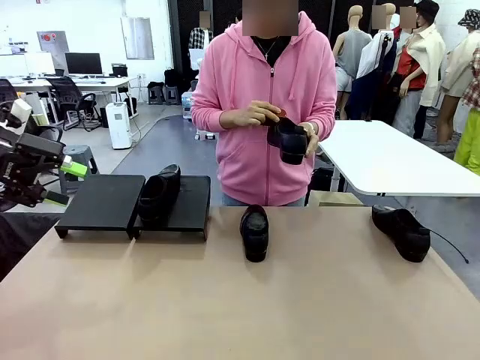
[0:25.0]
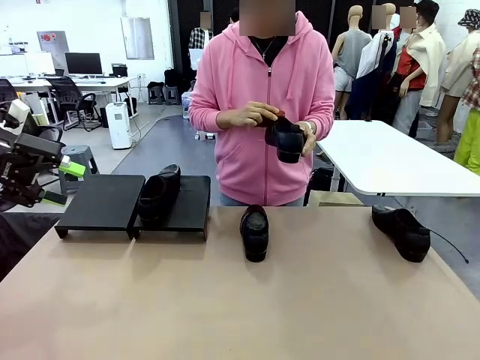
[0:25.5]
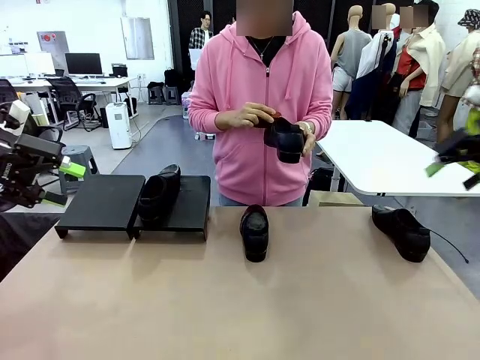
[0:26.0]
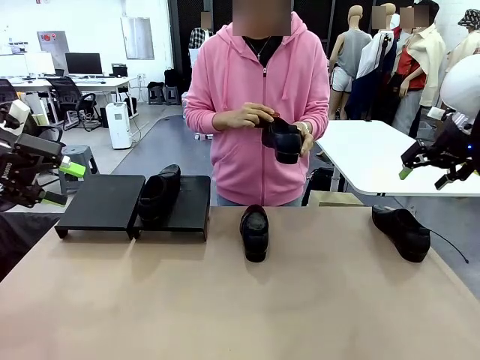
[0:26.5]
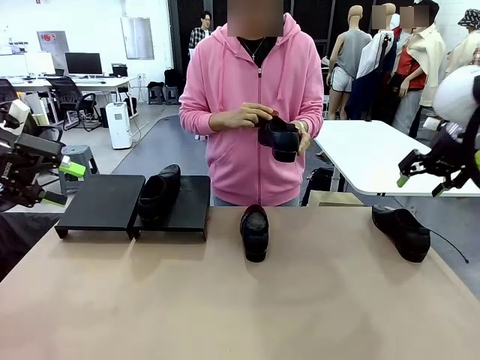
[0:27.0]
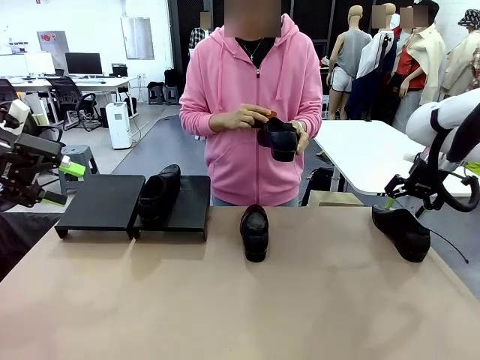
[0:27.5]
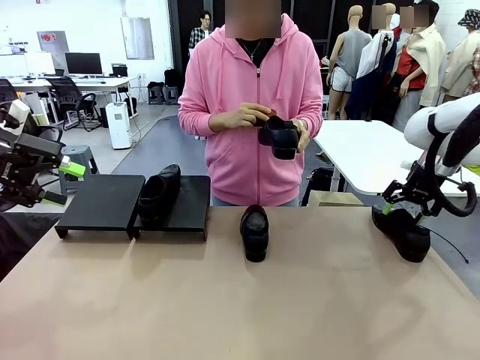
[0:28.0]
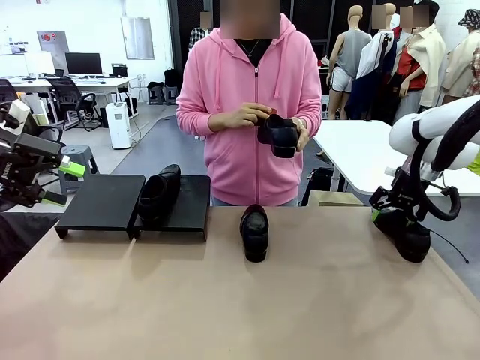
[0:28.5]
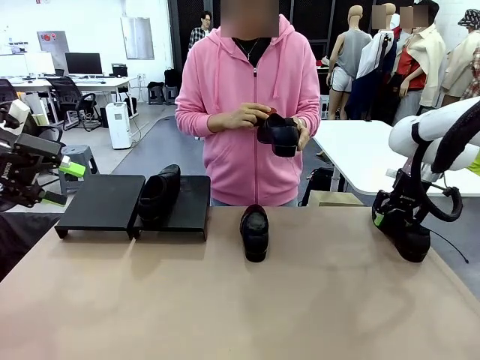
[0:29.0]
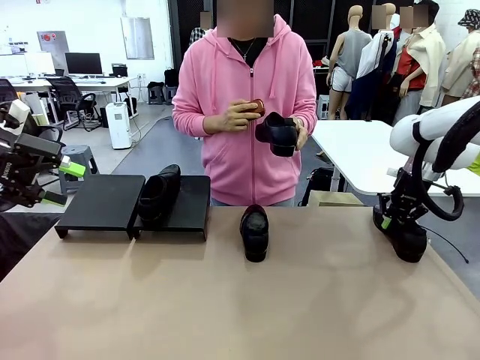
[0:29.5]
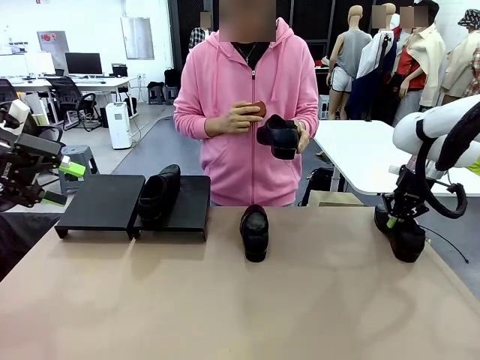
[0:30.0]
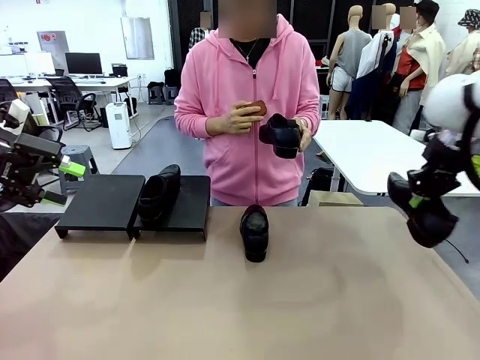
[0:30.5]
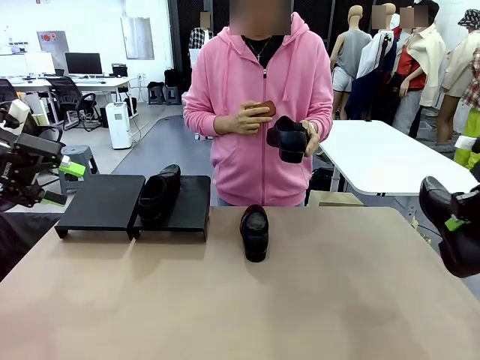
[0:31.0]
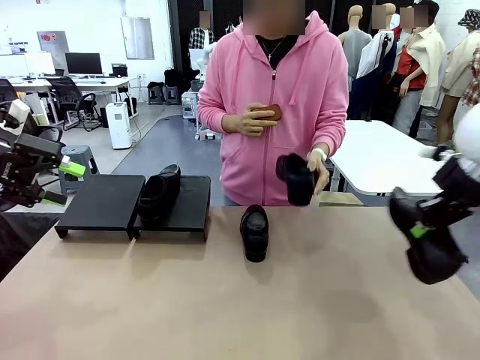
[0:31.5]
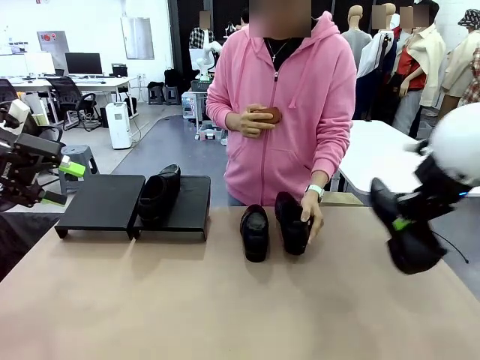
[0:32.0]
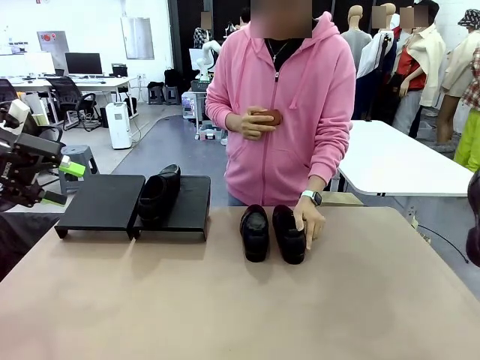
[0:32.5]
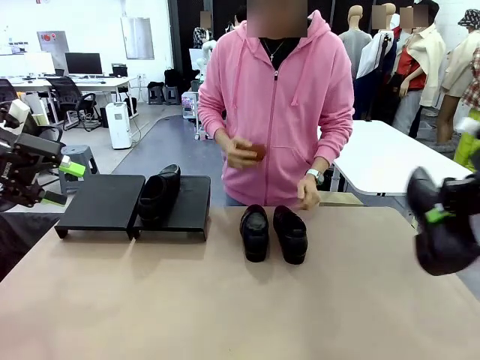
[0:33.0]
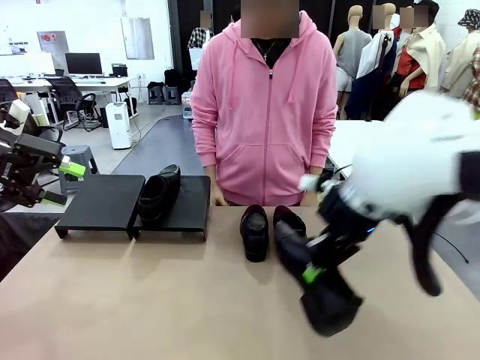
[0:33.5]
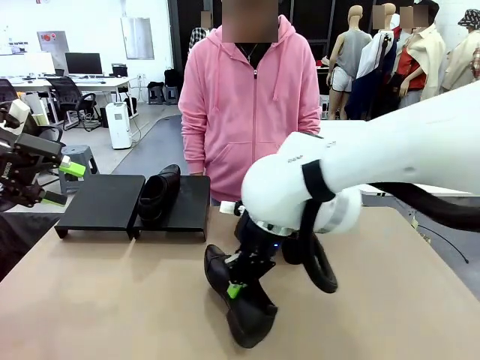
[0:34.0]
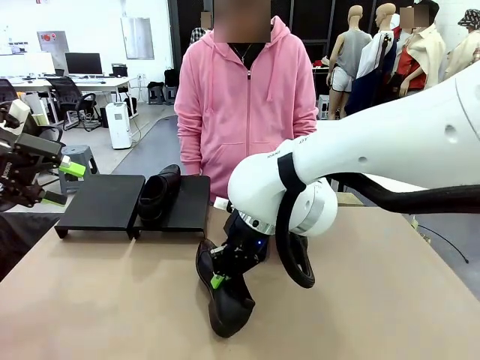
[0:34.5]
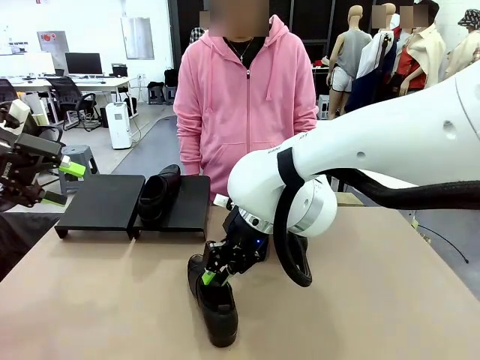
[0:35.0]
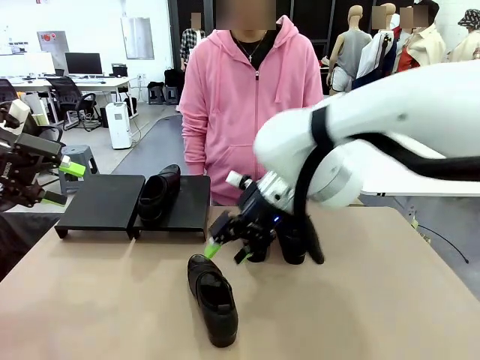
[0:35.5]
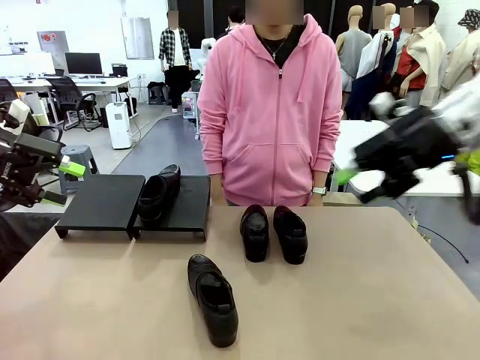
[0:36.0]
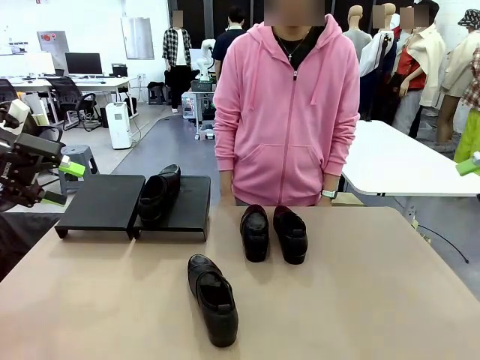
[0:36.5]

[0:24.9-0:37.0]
Task: Organize the shoes by placing them on the stand.
Robot: Pick up one Shoe and place it in the middle of the table.

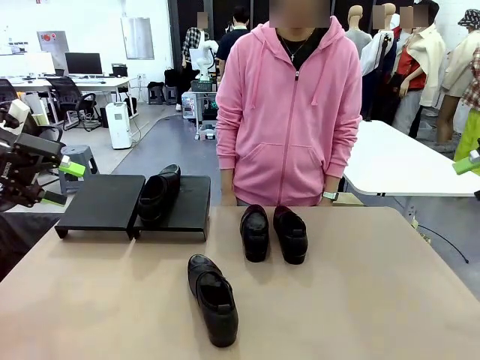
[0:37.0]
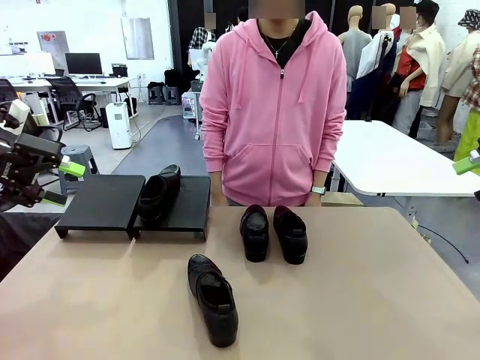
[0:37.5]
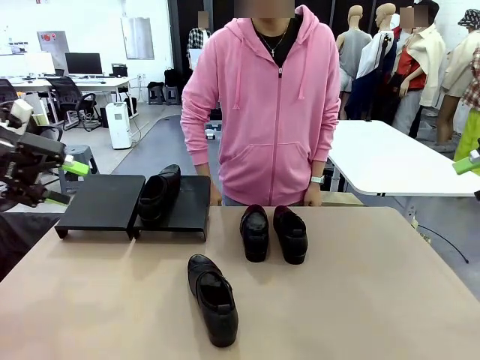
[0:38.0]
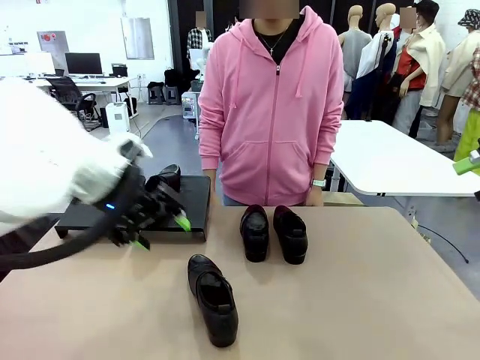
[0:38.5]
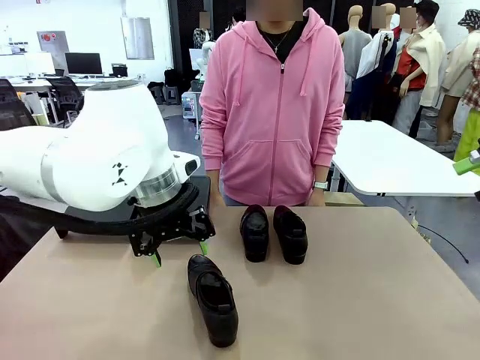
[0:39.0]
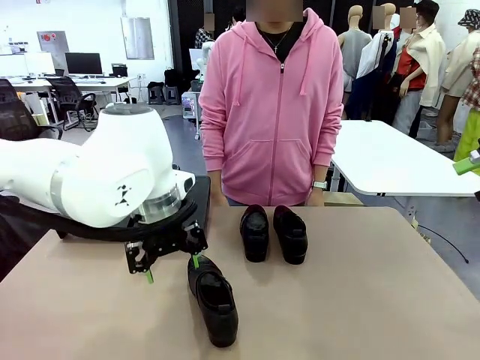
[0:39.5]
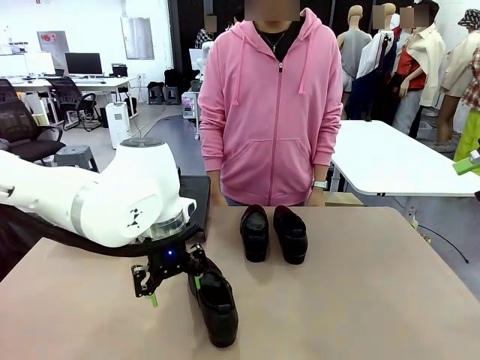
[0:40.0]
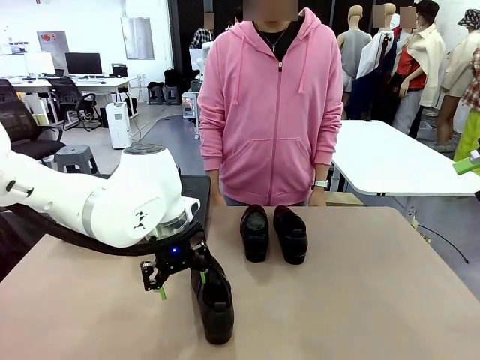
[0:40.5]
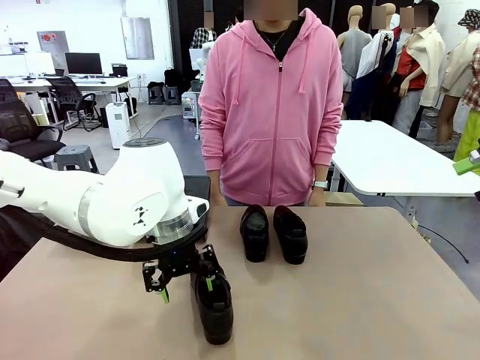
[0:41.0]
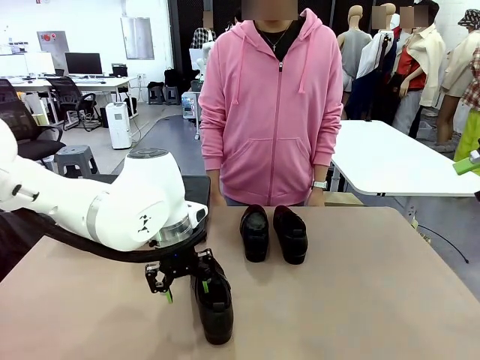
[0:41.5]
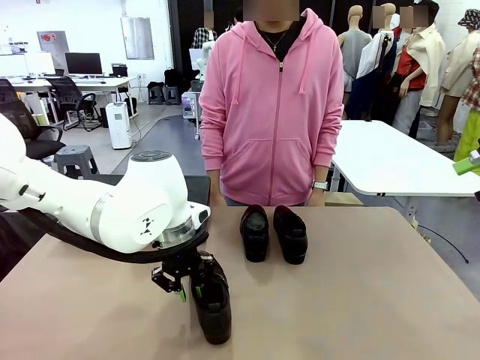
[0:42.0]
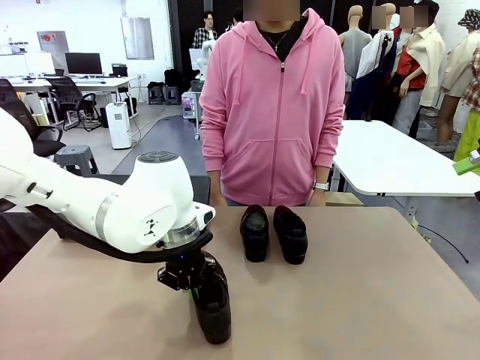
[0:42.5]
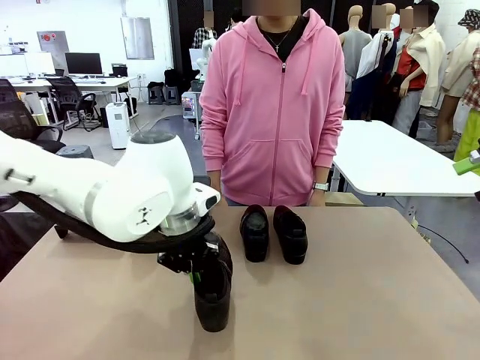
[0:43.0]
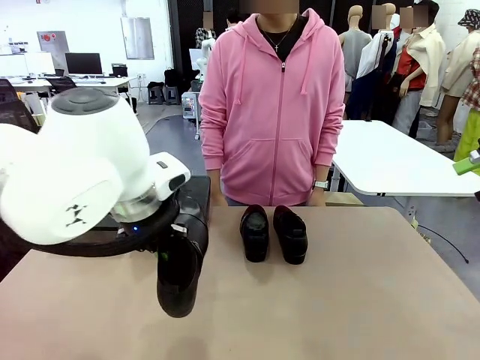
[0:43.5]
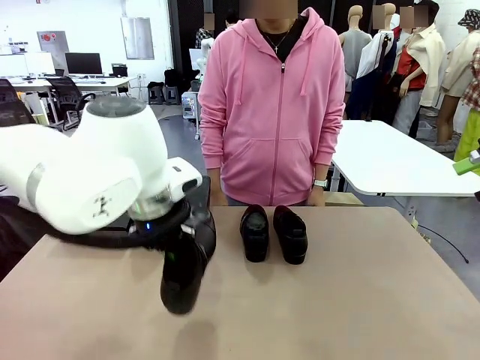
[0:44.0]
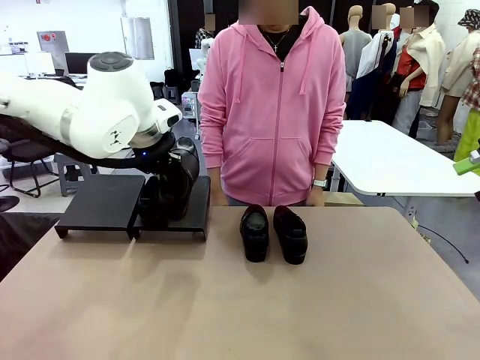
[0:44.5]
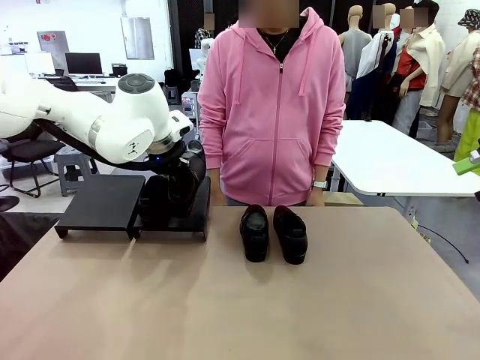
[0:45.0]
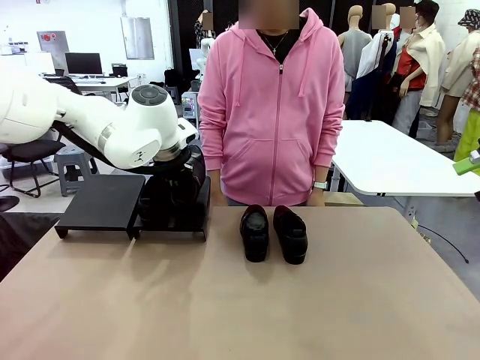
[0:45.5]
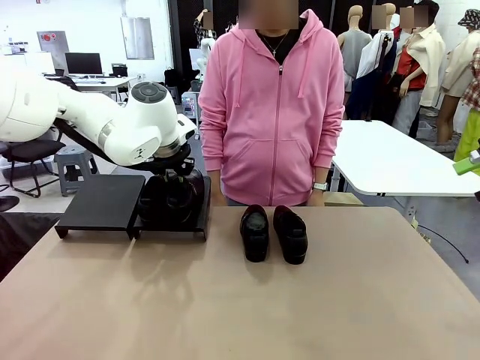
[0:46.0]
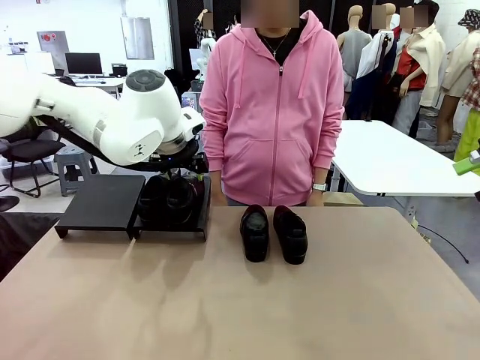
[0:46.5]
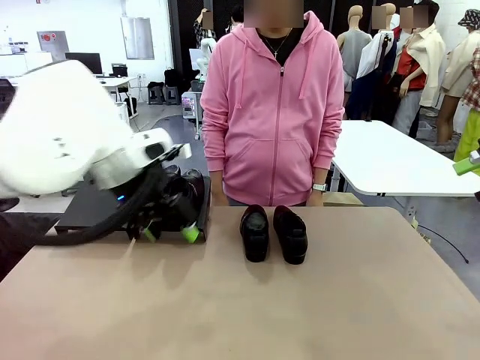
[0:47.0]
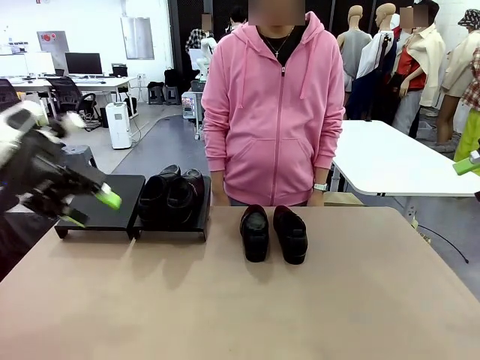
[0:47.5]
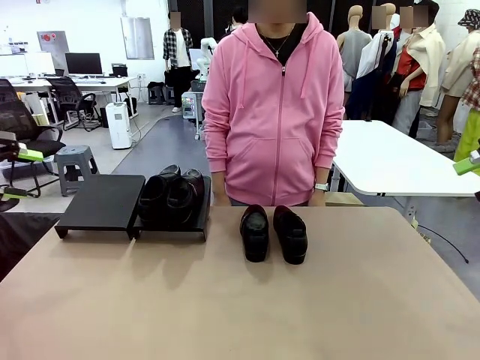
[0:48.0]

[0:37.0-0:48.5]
Robot: Place the Shoe from the middle of the table onto the Shoes Stand.
